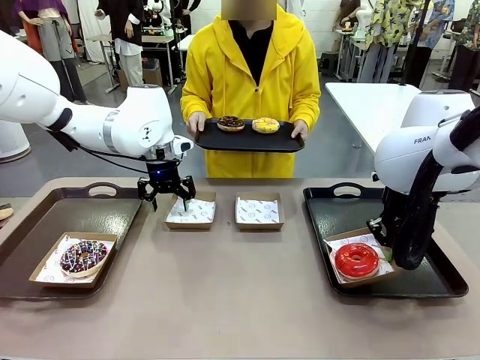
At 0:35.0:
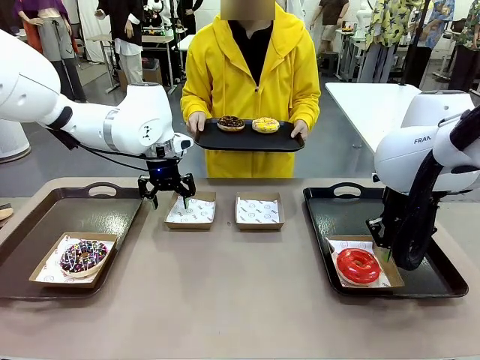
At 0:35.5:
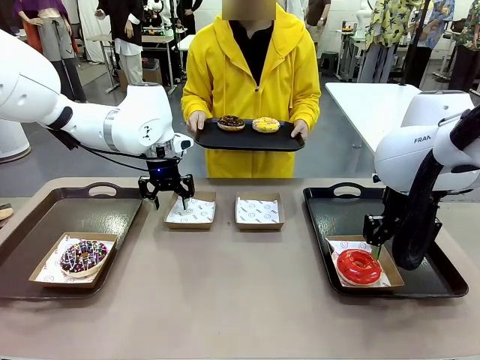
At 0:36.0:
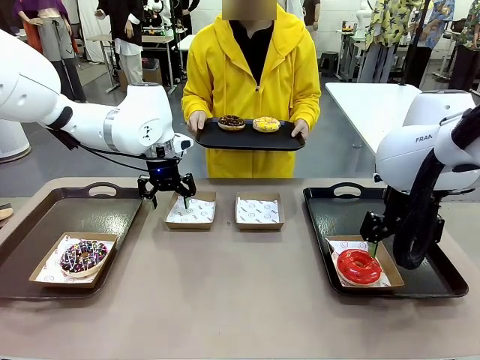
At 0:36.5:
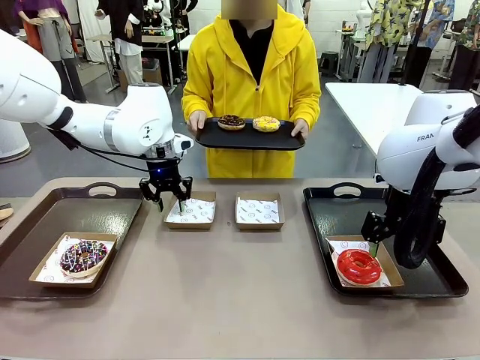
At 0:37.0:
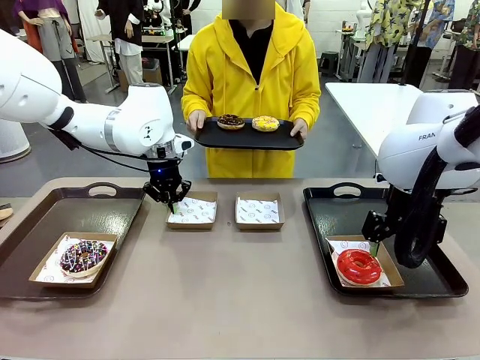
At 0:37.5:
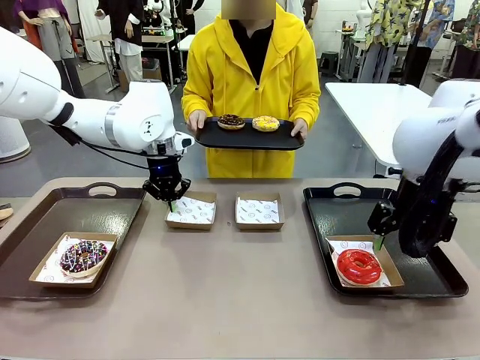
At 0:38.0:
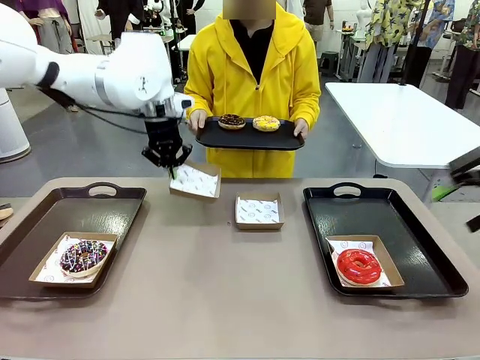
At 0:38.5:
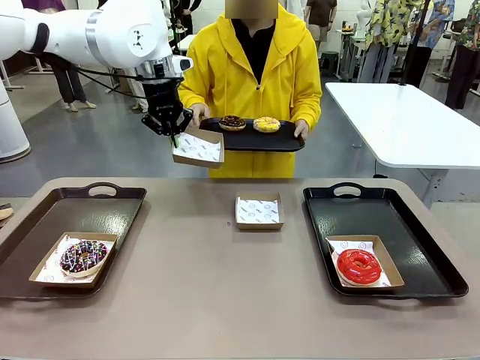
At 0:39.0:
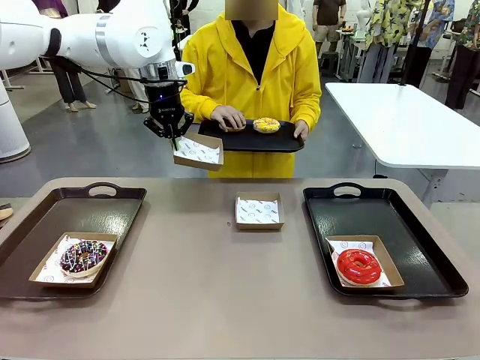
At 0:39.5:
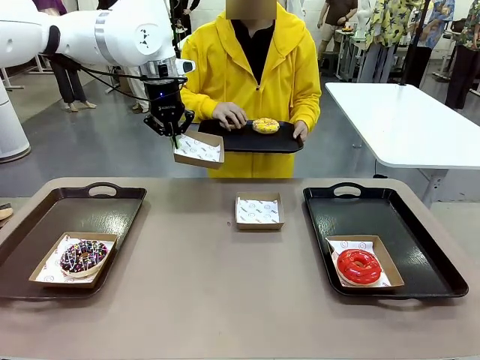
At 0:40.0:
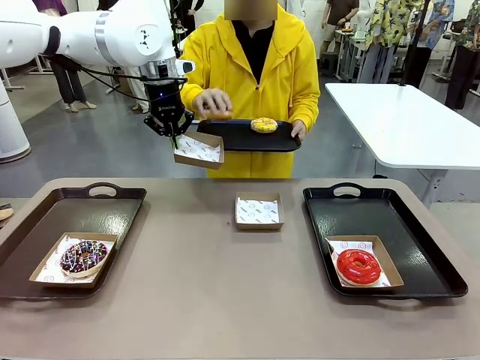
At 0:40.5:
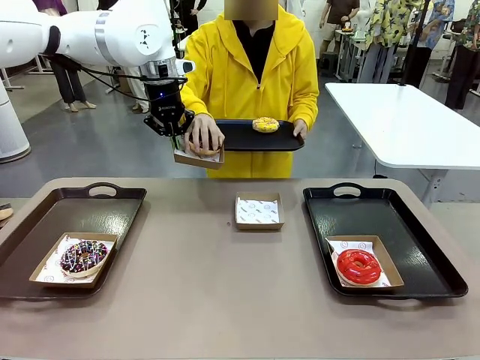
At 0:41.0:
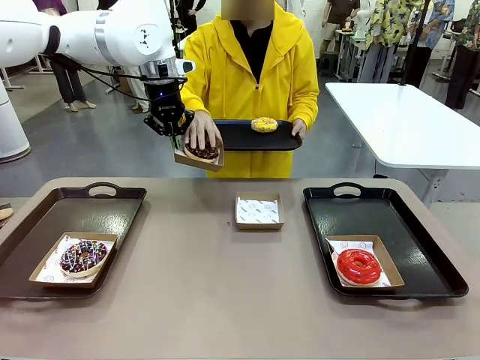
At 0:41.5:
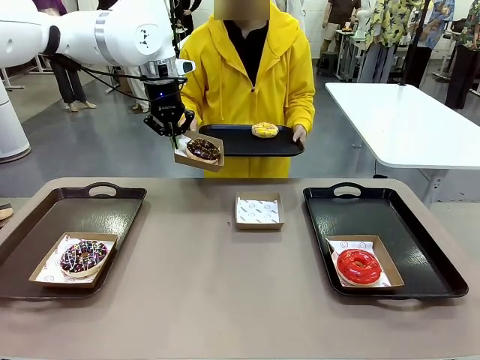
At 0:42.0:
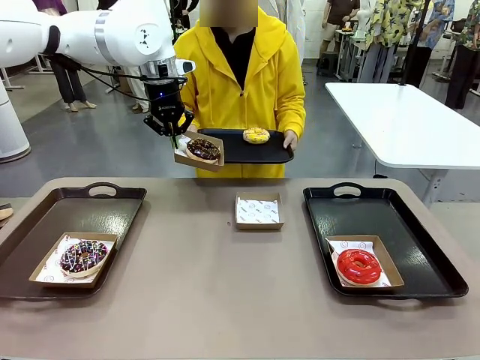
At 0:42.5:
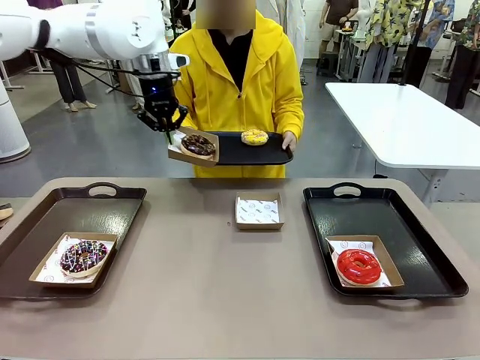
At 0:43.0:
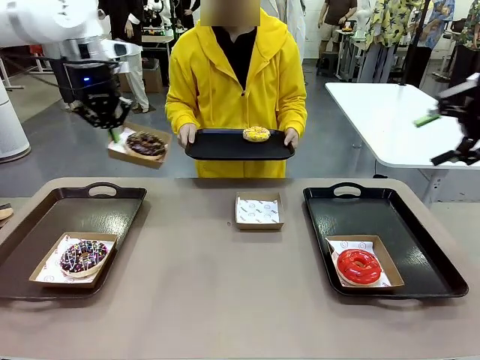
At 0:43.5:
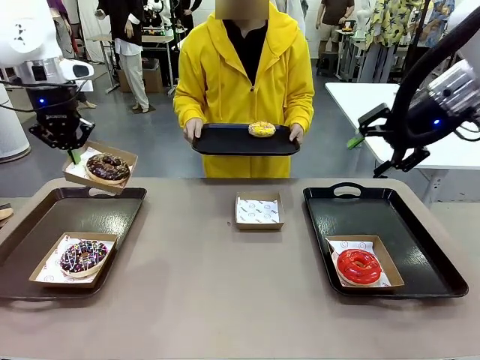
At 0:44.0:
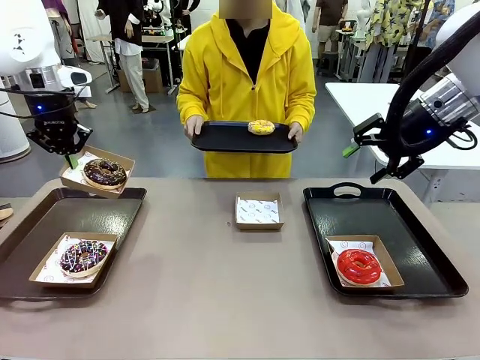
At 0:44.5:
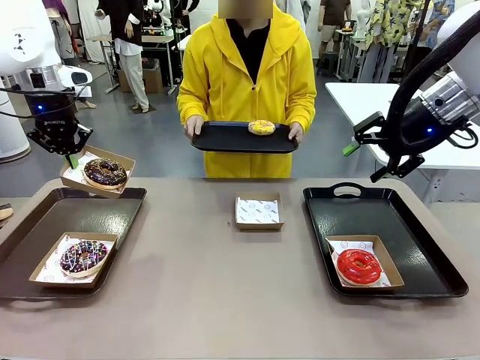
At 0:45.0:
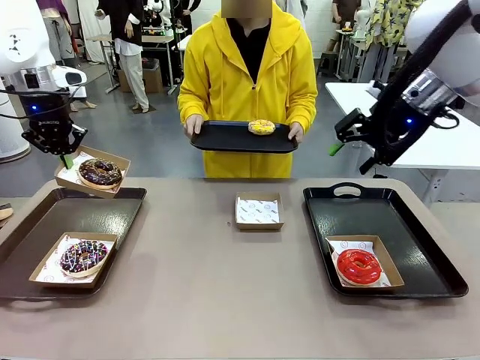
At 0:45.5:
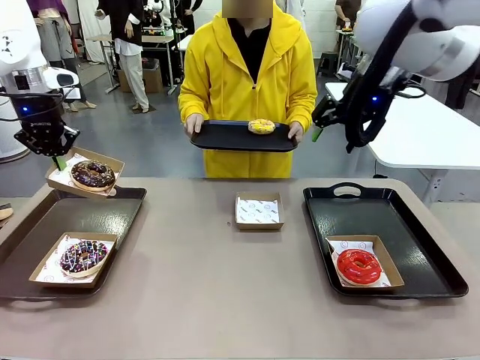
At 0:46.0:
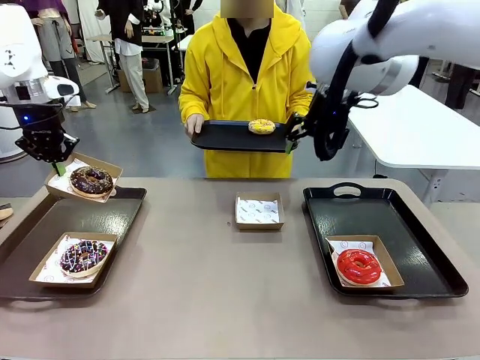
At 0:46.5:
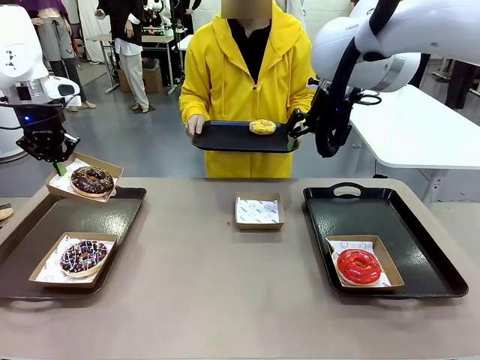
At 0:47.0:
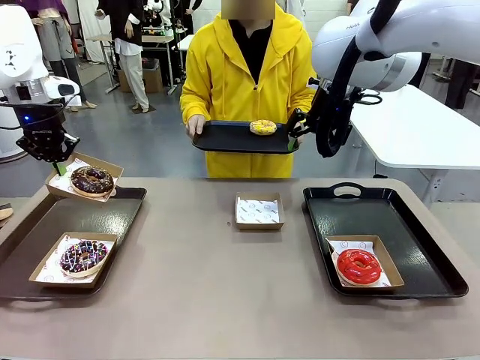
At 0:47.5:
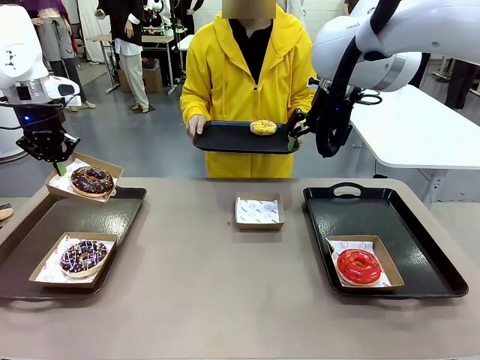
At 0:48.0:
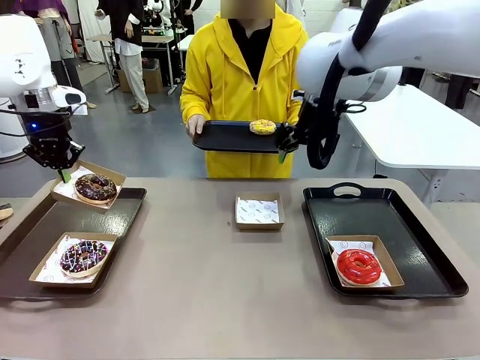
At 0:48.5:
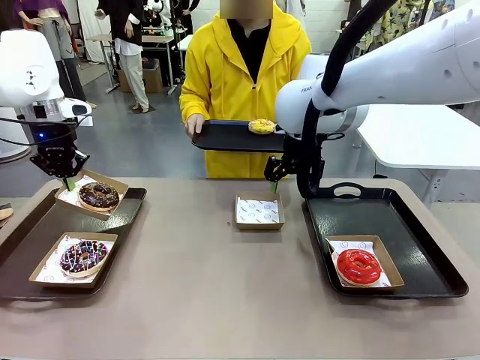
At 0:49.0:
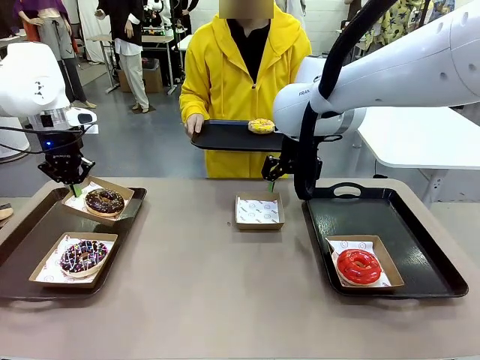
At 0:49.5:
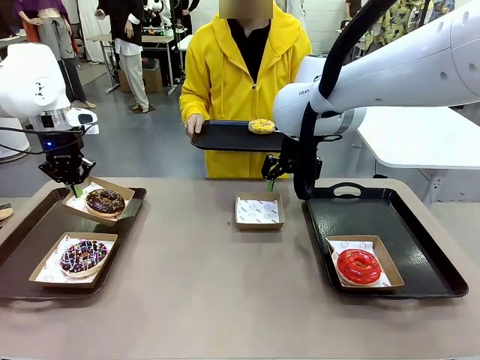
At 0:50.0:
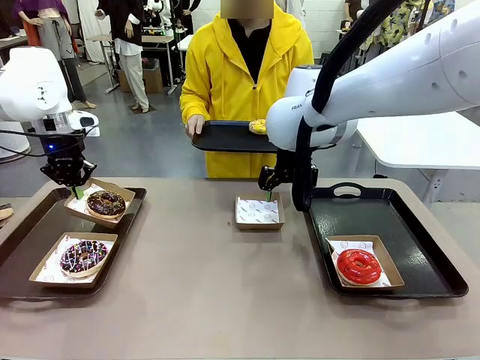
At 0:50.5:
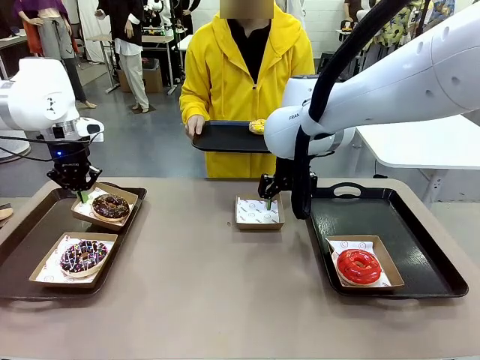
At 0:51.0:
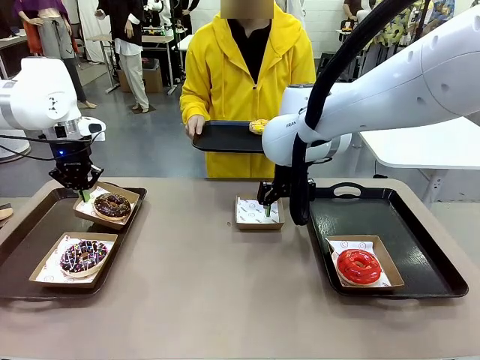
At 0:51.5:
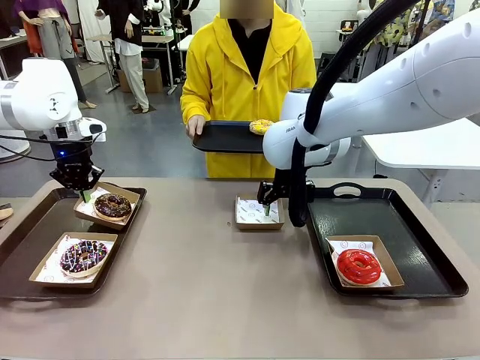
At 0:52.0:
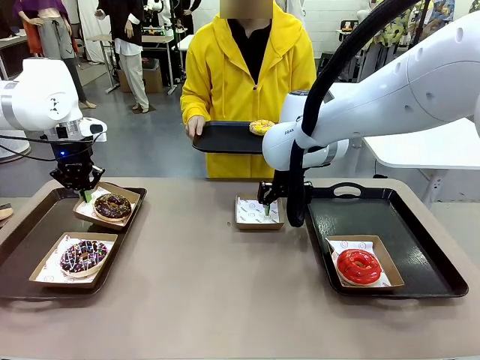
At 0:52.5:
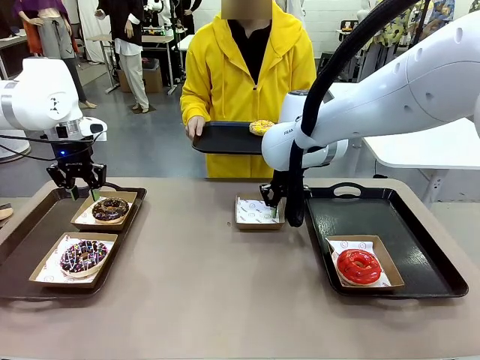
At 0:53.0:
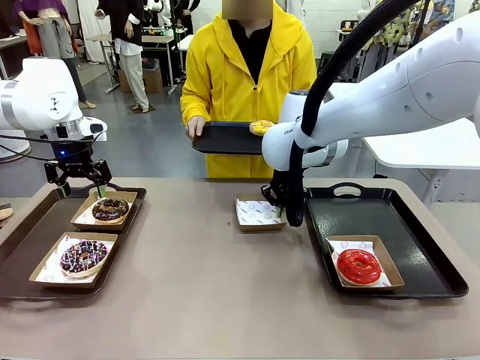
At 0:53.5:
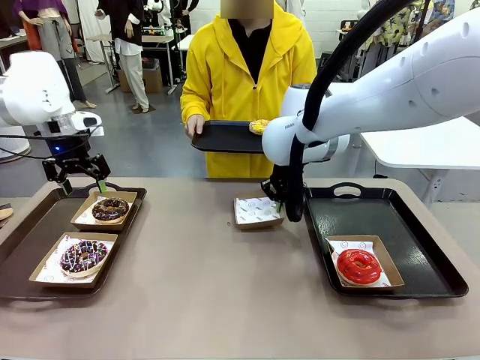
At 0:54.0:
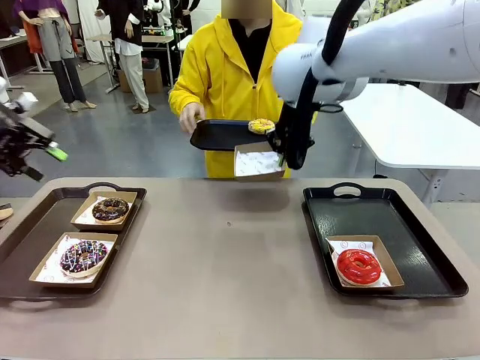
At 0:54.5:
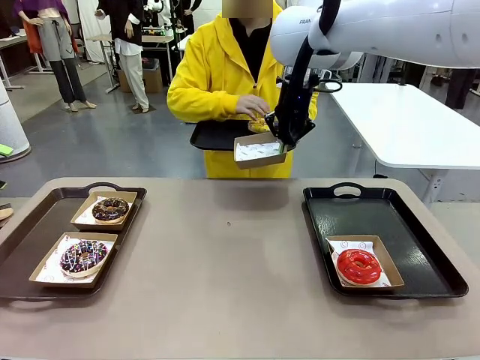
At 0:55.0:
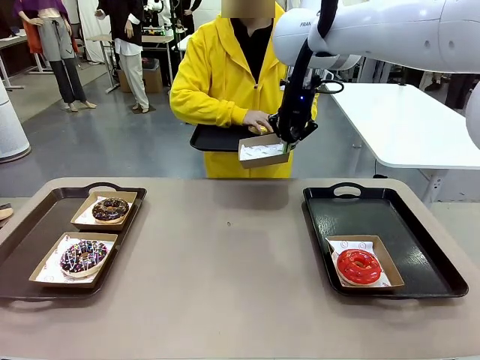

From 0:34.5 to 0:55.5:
Task: Individually package the donuts and arrange them on the tray.
Robot: Place the picked Paper togo box on the Handle tray while simultaneously picking up another Paper togo box from the table with the other hand.
